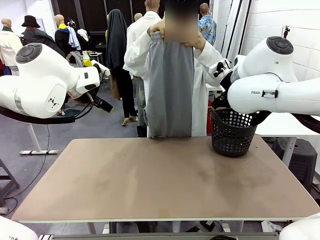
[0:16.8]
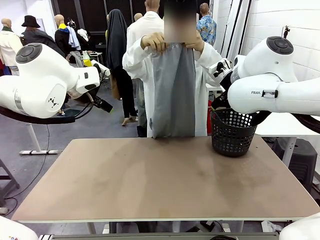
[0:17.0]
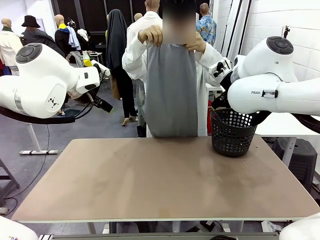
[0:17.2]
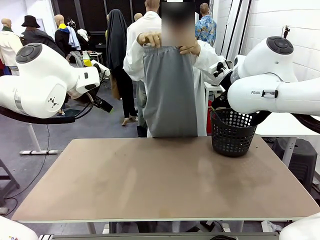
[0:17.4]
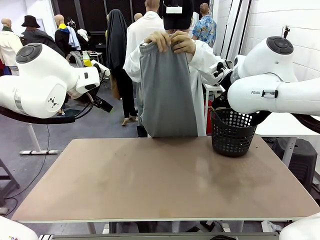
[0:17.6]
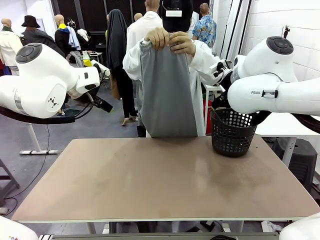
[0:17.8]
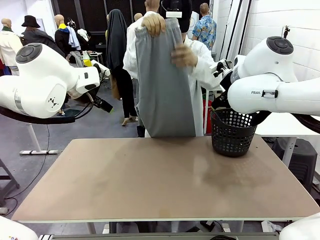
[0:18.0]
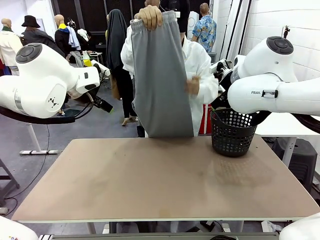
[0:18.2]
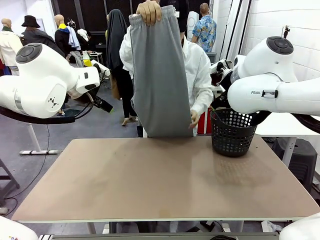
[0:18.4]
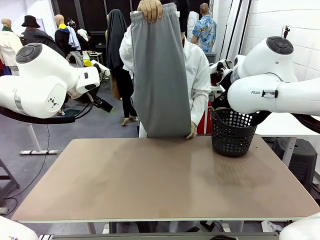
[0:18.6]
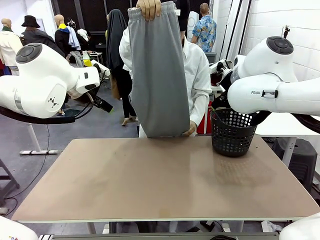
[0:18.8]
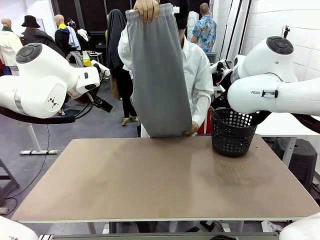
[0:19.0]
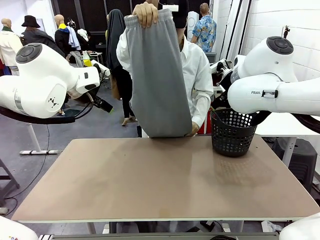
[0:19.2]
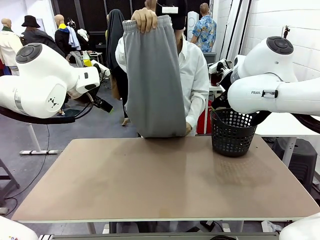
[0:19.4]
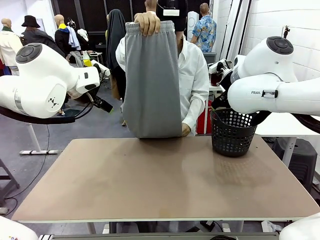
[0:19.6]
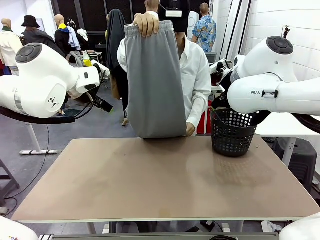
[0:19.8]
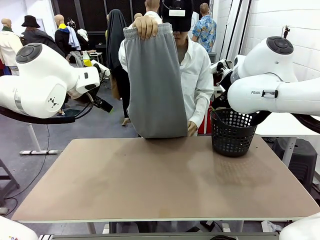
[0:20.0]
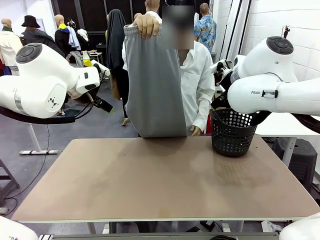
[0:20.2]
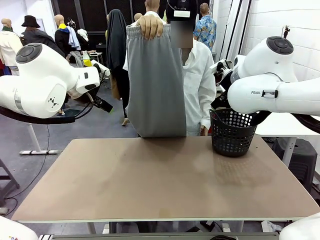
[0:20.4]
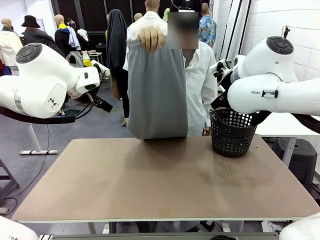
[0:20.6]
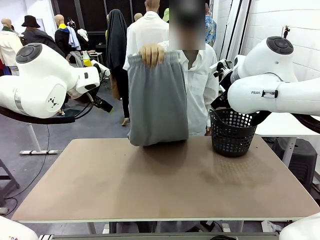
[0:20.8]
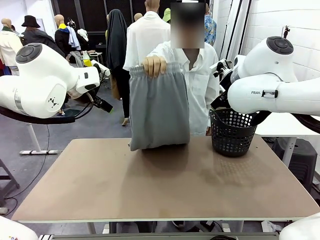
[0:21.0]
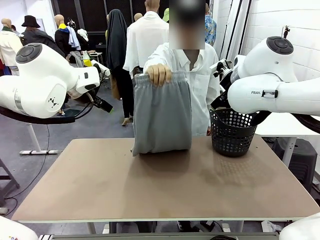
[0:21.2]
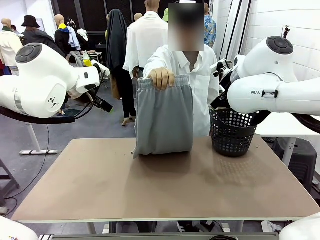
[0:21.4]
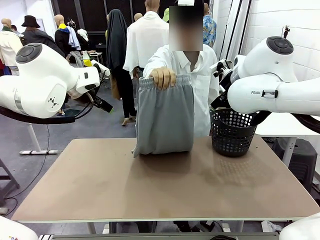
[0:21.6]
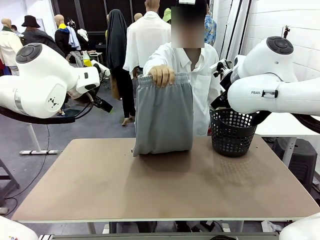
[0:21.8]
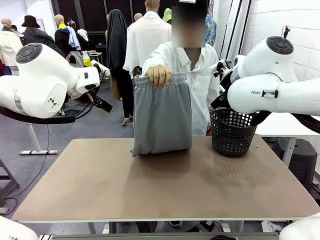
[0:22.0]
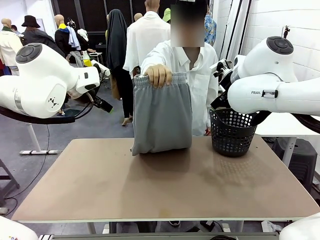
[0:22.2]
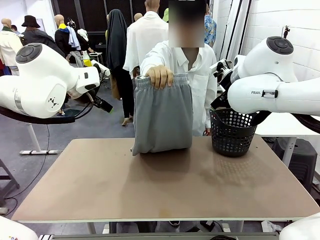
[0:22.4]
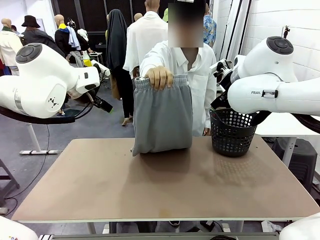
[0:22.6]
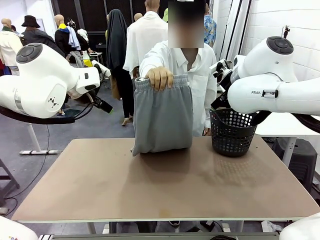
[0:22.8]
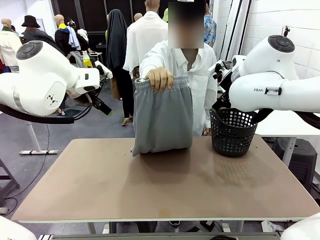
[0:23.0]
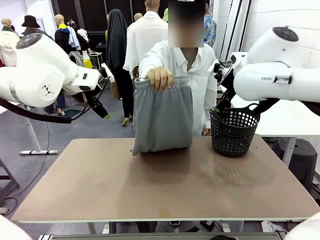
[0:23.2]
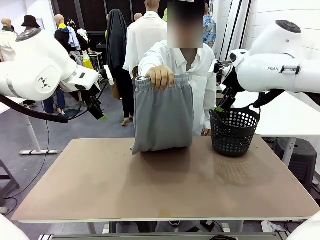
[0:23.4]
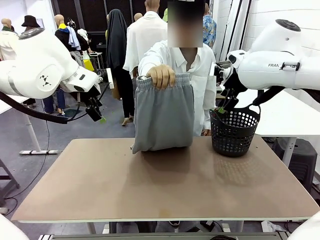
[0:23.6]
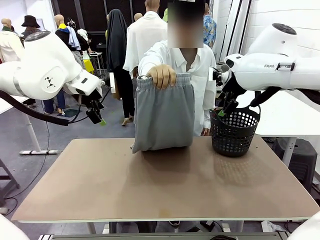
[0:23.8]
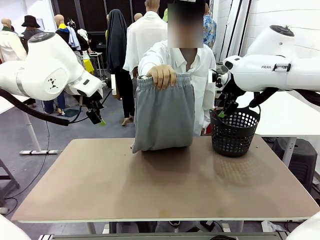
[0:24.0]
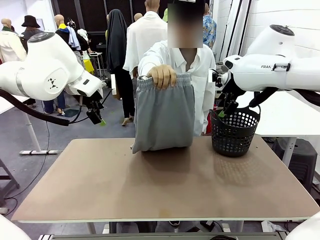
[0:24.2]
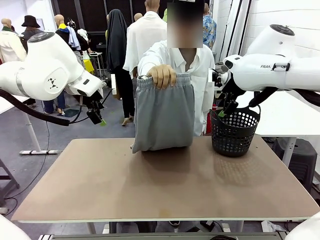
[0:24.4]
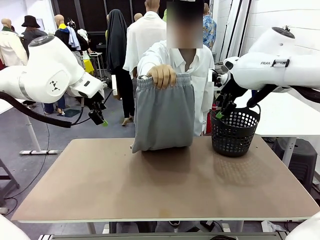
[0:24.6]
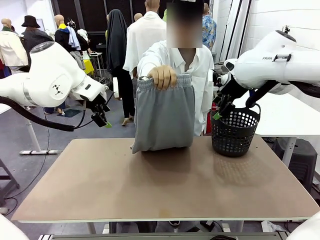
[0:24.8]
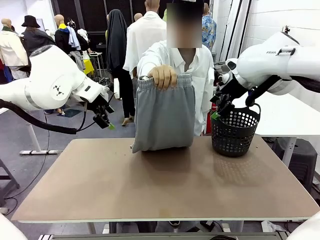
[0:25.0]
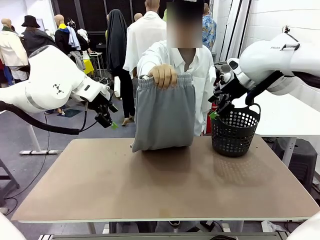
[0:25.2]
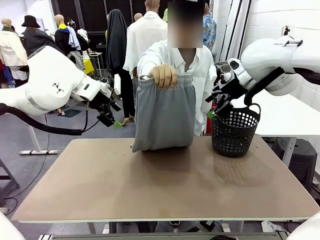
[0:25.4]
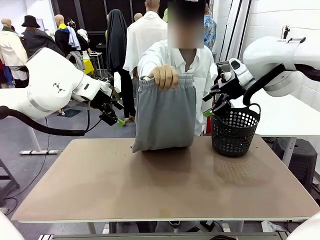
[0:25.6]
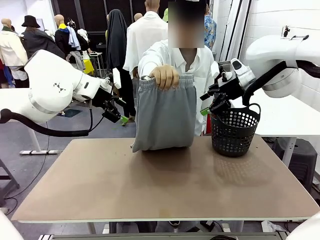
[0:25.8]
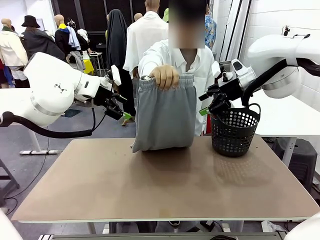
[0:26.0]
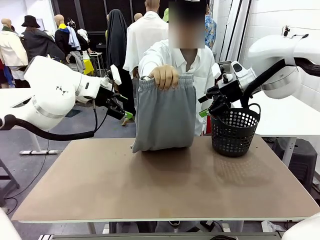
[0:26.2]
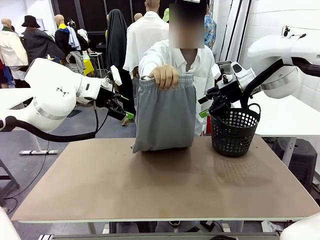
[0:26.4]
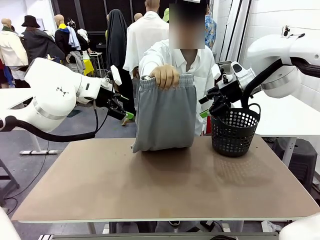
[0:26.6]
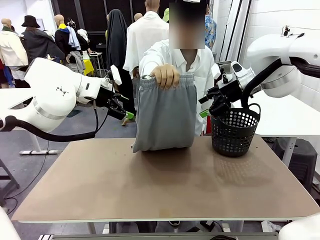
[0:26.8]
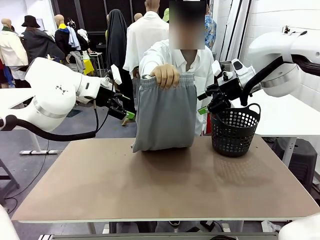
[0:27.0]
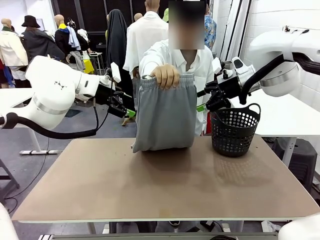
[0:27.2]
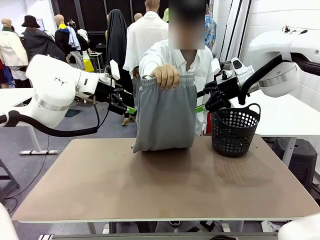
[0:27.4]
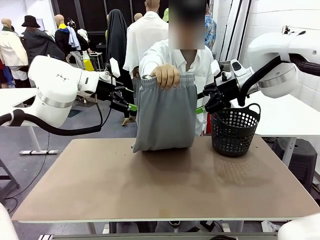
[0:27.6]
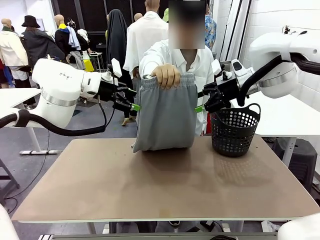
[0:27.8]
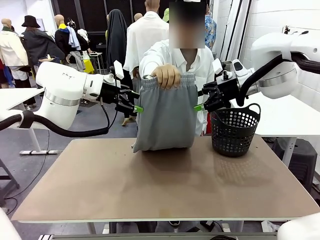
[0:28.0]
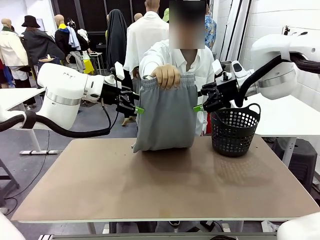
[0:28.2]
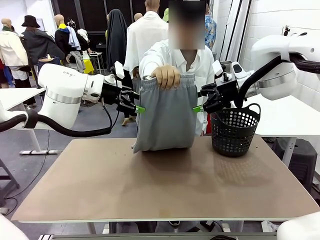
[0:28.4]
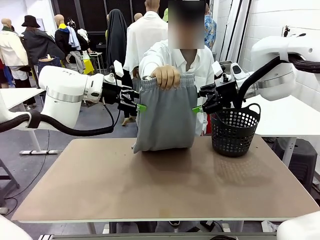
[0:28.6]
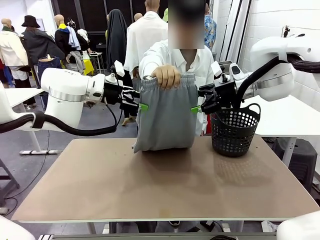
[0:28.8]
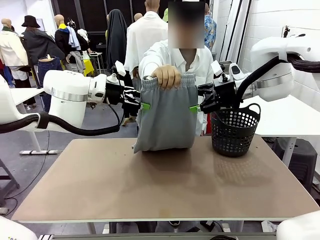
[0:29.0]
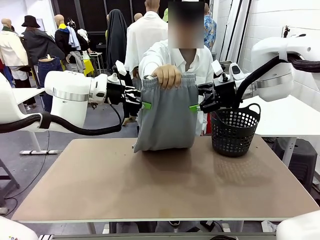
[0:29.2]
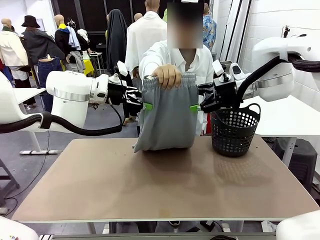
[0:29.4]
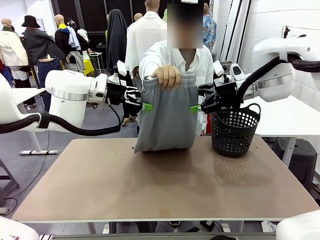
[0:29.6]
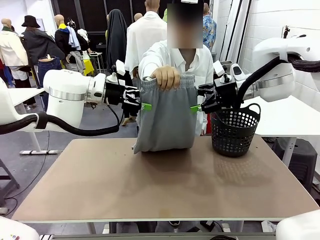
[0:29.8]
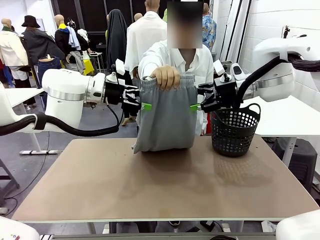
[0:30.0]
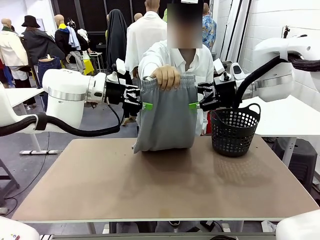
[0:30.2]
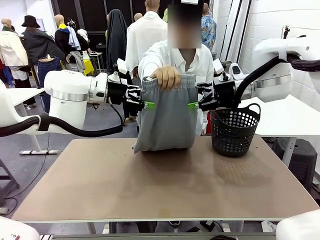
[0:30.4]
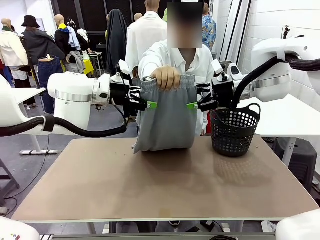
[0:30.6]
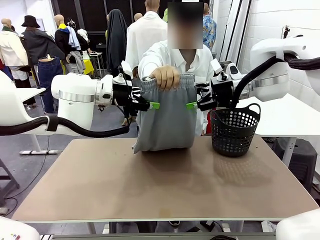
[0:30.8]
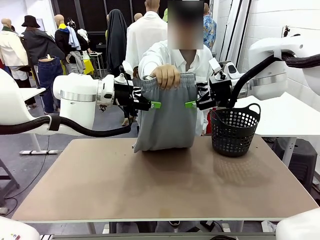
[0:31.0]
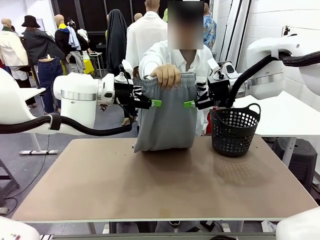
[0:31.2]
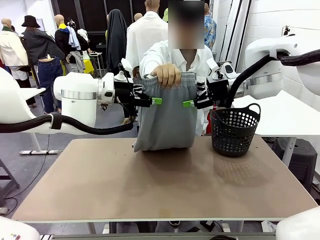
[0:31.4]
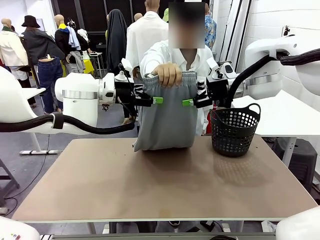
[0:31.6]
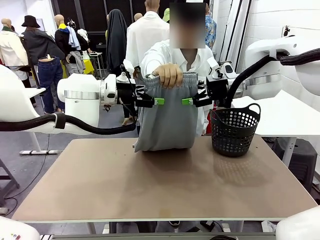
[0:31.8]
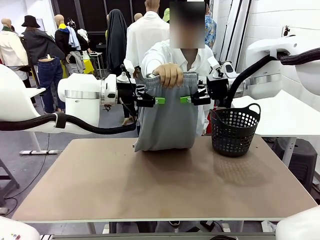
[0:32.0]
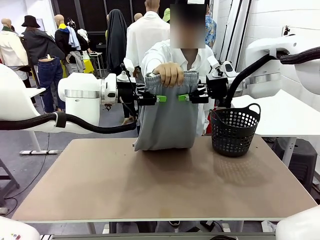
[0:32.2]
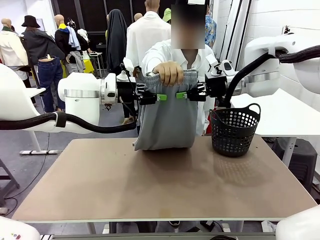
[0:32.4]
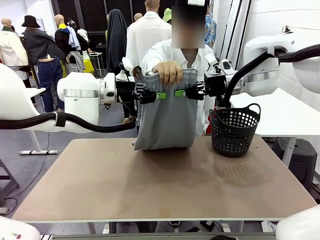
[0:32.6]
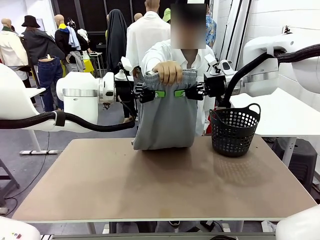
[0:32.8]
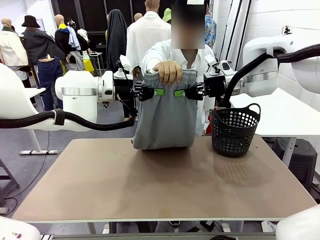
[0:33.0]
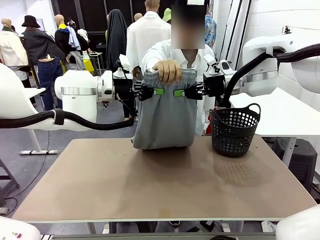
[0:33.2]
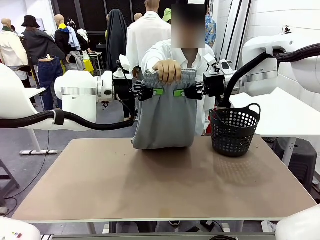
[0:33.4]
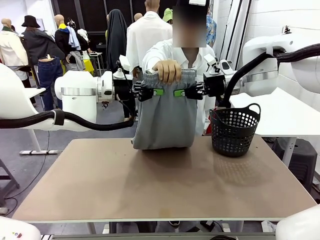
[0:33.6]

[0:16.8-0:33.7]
Task: Fold the training pants.
Robot: Grab both ends of the Training pants handed by a person.
Person: Grasp the end opposite the point the robot is holding, fold the pants in half, and then grasp the overlapping top end of the folded pants.
